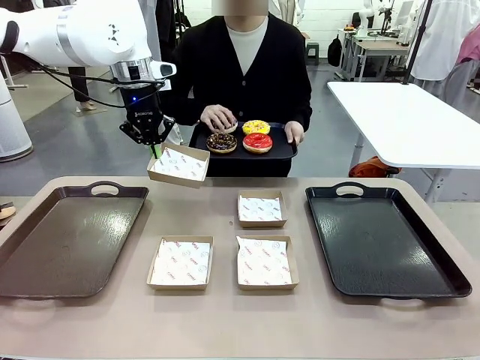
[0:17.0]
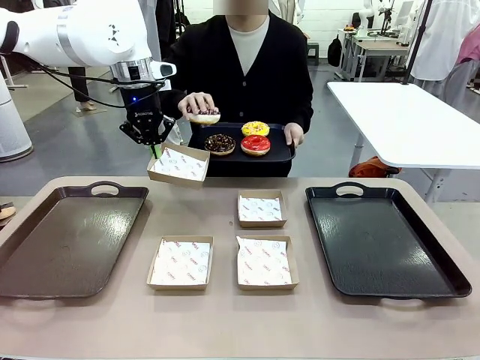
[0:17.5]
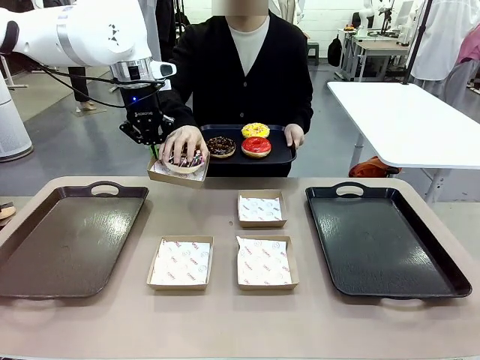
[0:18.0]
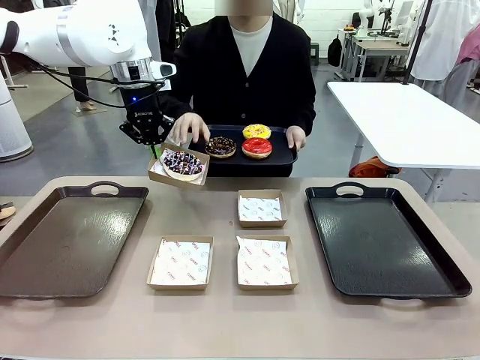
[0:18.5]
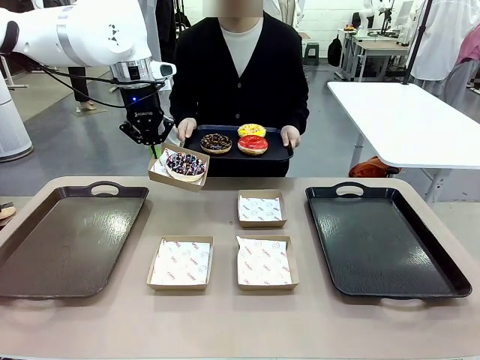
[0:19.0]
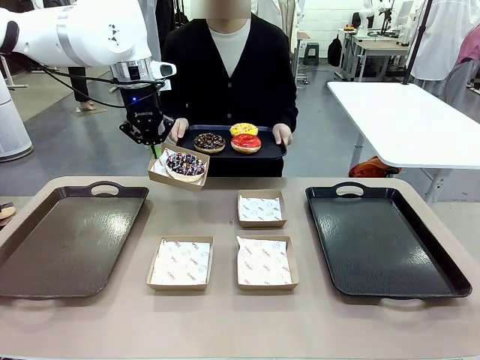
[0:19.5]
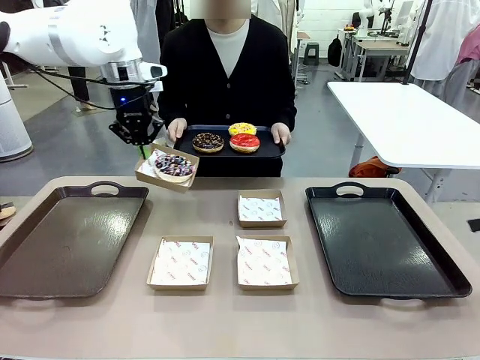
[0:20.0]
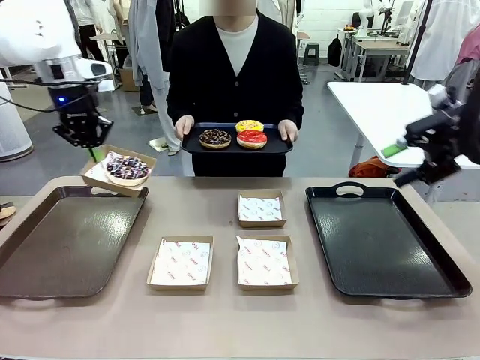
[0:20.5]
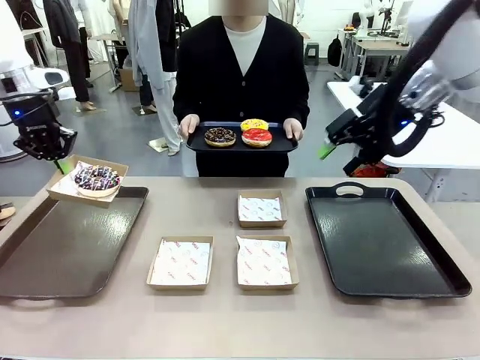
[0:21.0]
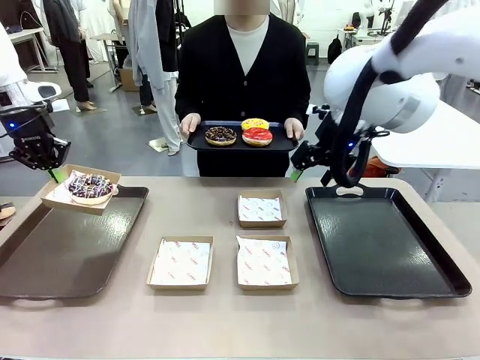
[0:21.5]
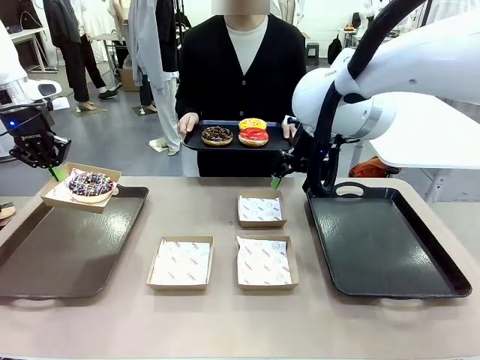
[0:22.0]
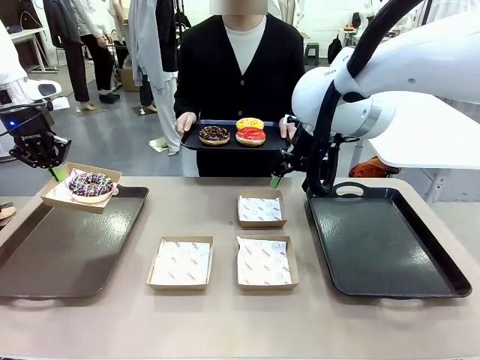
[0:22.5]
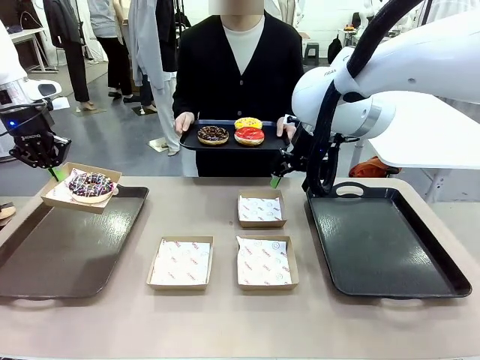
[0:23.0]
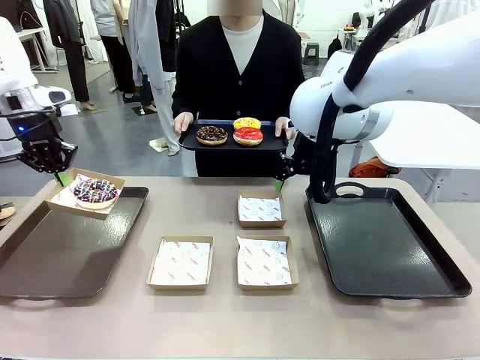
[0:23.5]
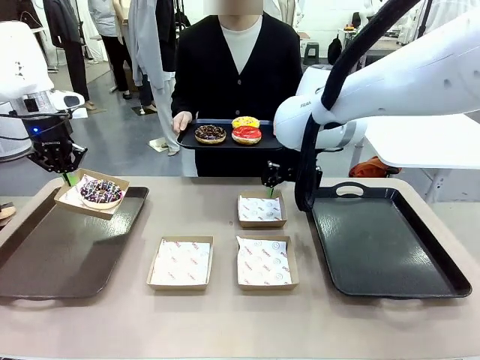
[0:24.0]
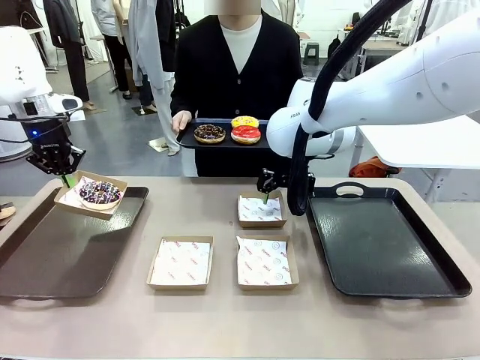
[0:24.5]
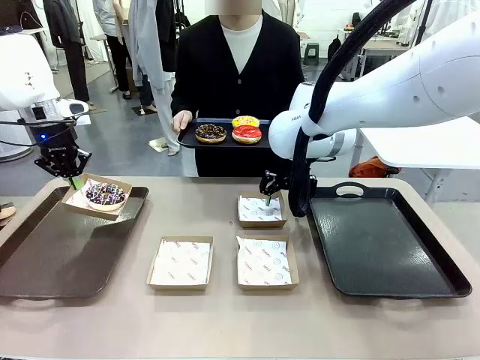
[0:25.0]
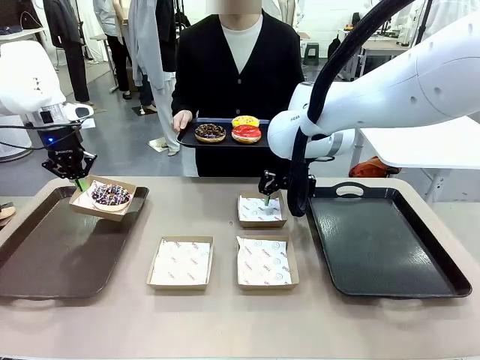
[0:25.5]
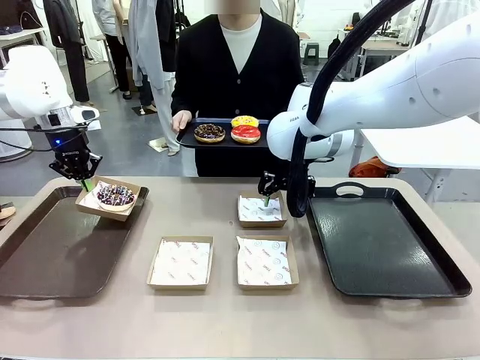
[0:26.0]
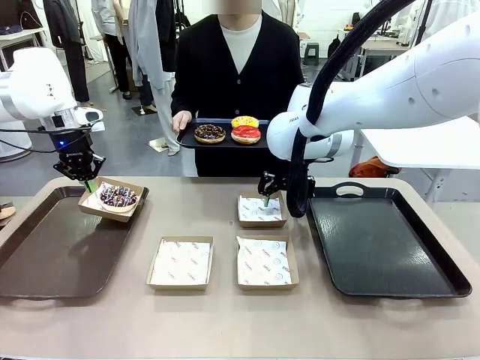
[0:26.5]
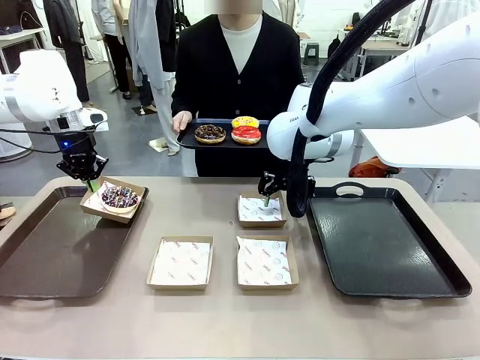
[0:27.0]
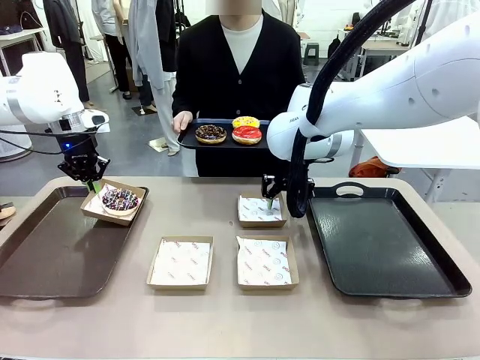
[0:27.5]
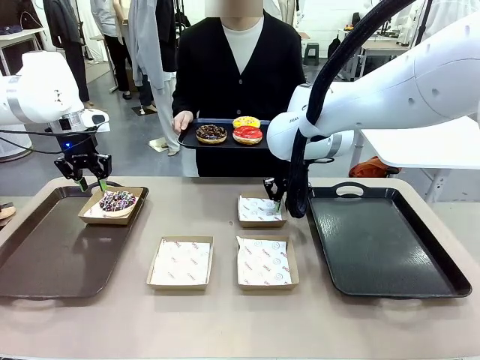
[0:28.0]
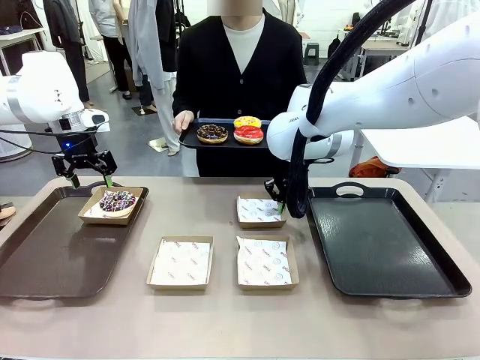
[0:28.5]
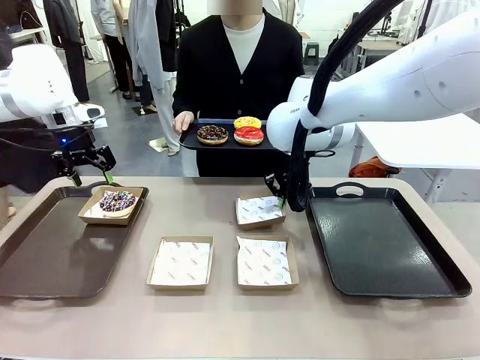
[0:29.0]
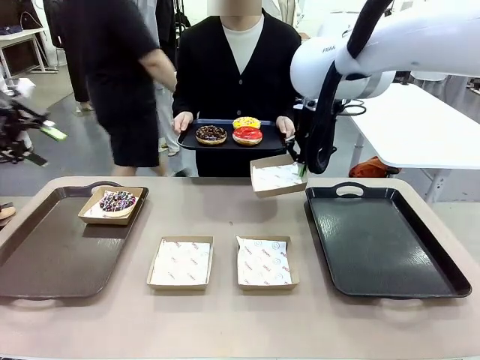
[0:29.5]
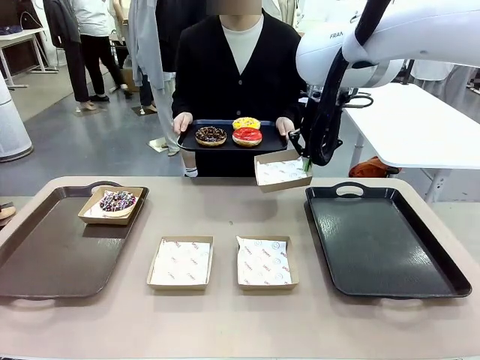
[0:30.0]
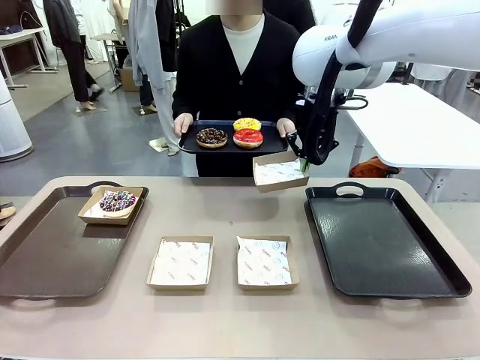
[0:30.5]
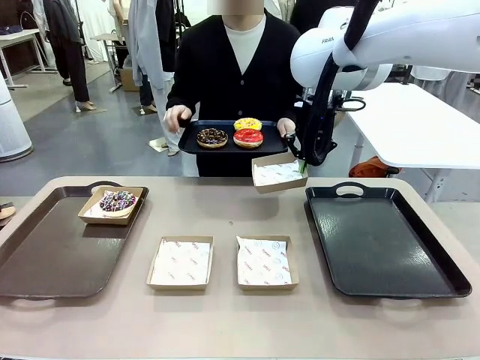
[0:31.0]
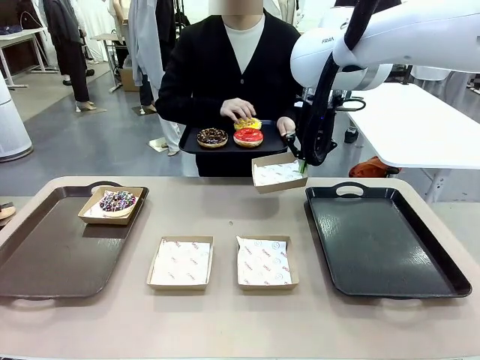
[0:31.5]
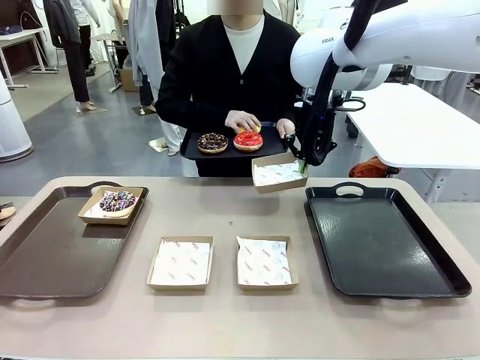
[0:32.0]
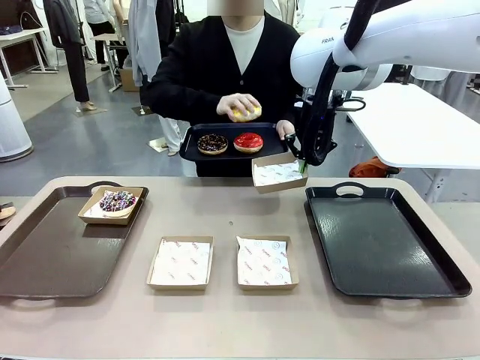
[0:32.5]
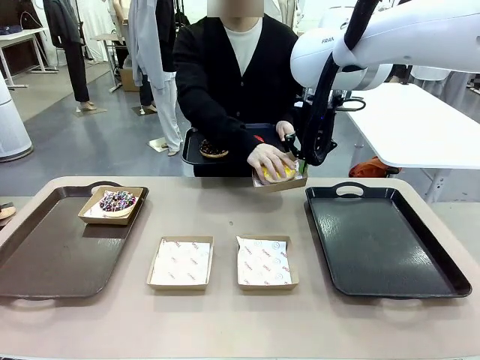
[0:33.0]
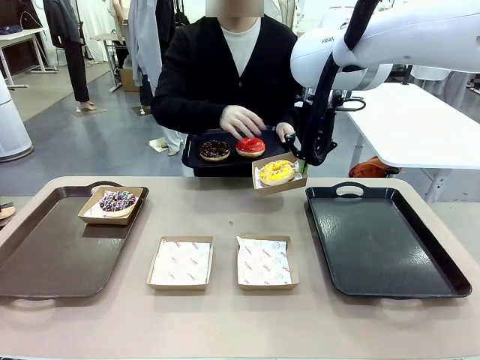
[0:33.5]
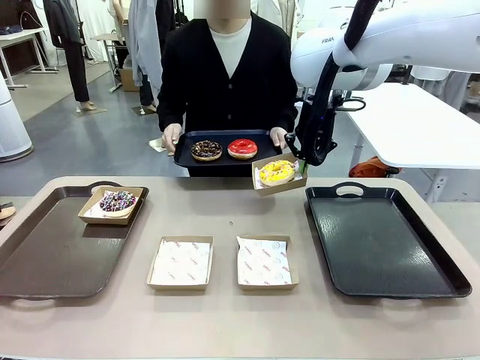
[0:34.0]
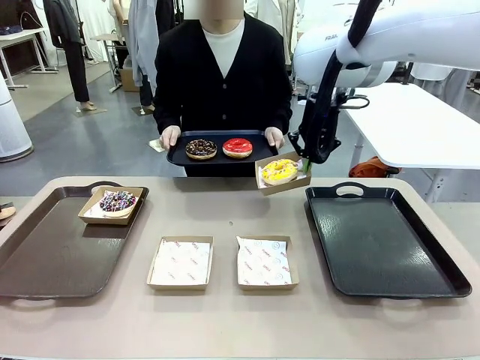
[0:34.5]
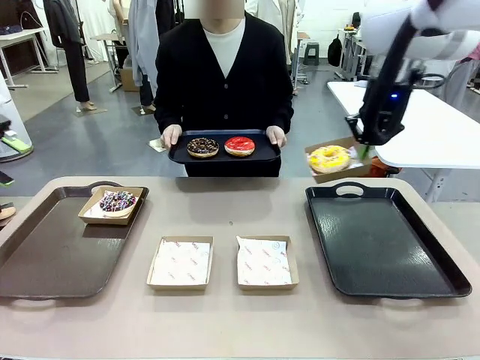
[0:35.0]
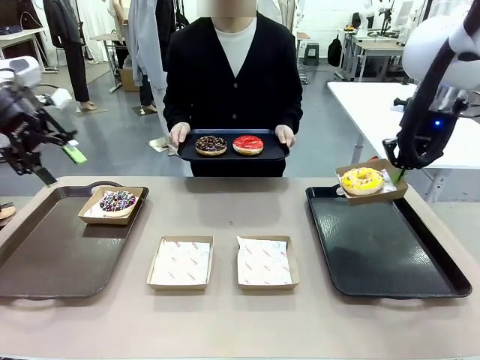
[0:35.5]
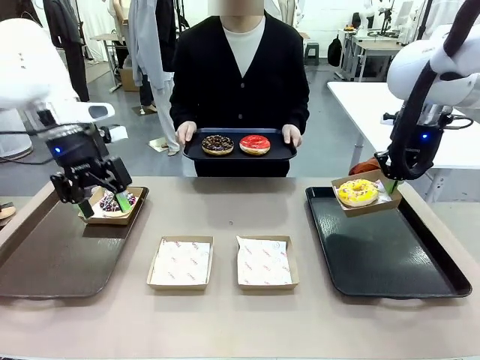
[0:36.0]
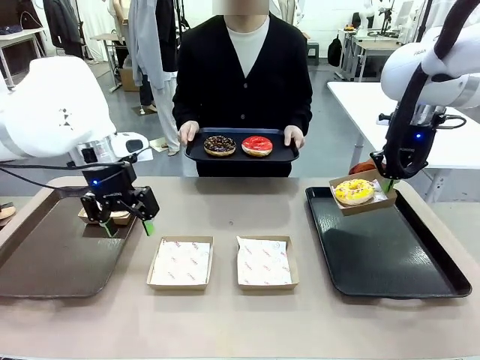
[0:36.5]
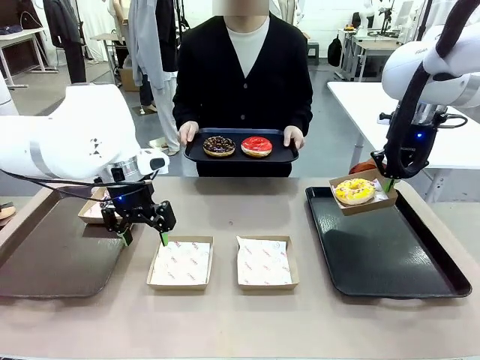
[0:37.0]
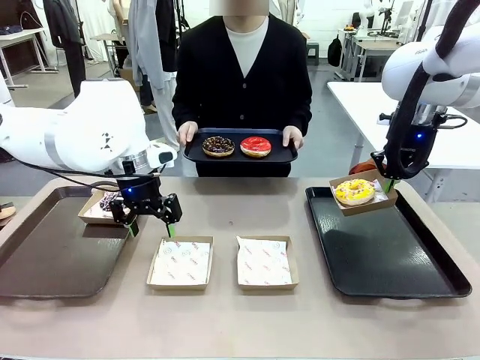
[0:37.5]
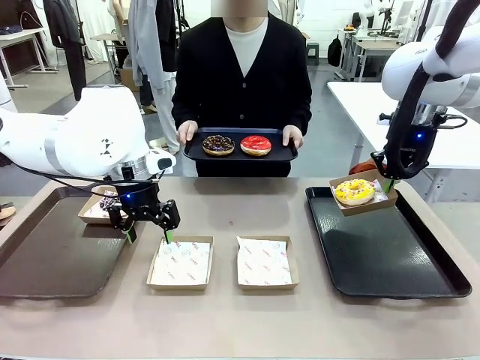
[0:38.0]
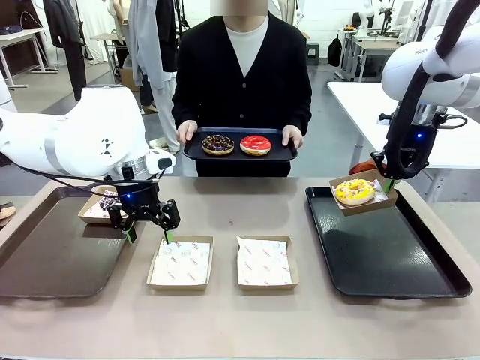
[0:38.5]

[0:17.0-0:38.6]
Task: Individually package the donuts and arrange them on the tray.
Robot: Place the picked Paper togo box on the Handle tray while simultaneously picking up another Paper togo box from the table with the other hand.
